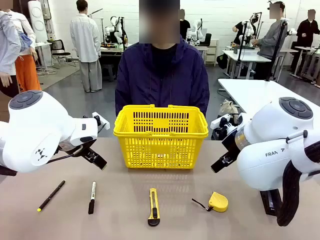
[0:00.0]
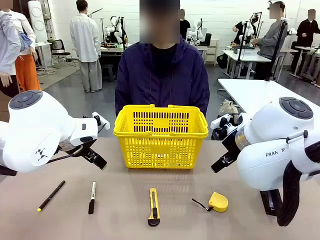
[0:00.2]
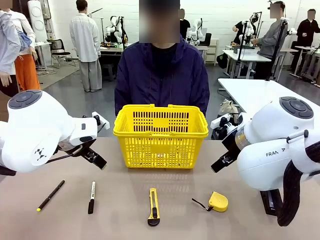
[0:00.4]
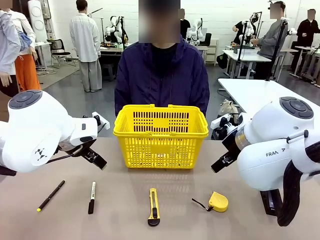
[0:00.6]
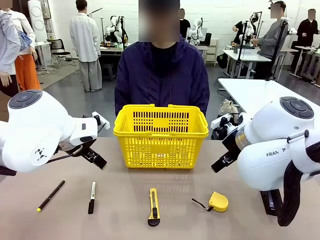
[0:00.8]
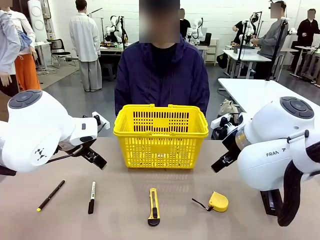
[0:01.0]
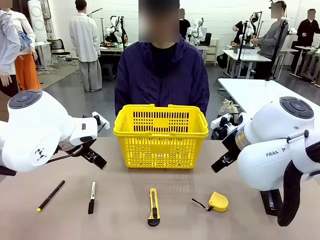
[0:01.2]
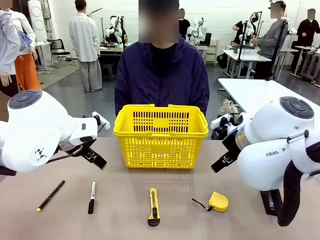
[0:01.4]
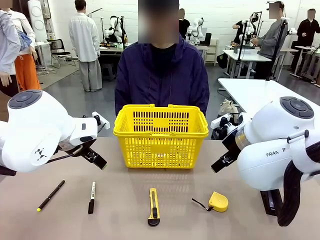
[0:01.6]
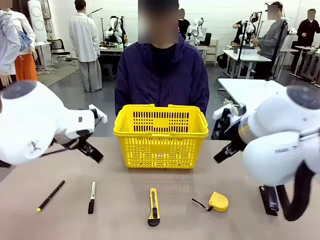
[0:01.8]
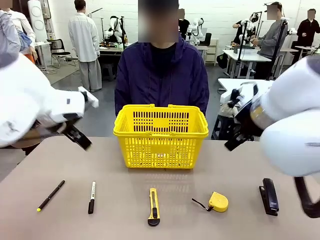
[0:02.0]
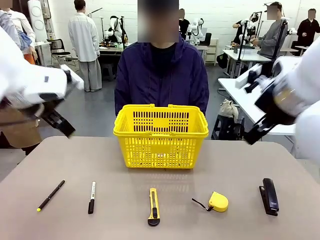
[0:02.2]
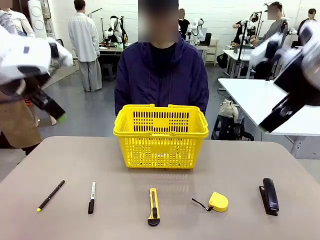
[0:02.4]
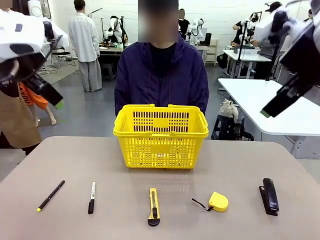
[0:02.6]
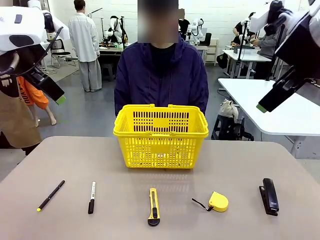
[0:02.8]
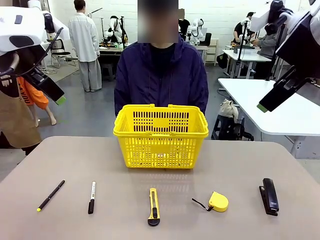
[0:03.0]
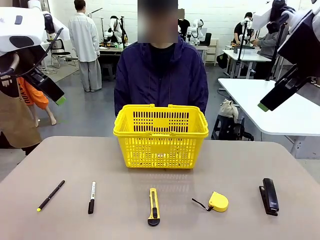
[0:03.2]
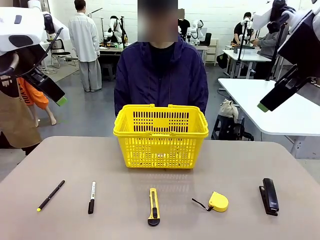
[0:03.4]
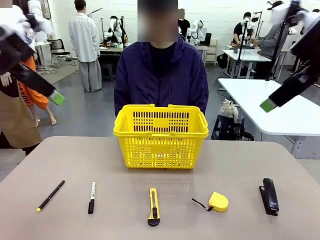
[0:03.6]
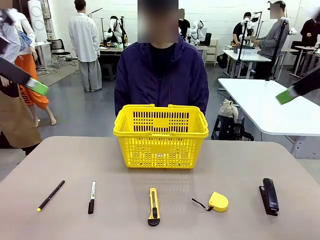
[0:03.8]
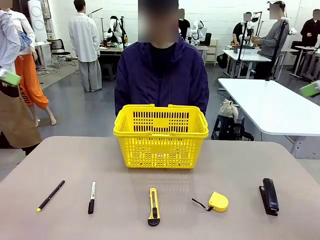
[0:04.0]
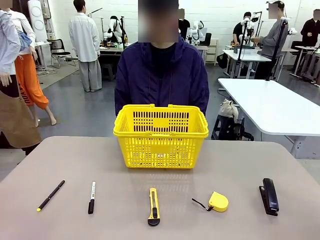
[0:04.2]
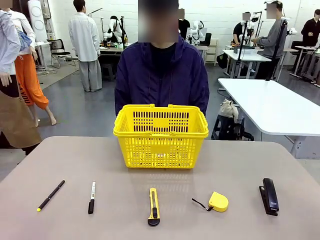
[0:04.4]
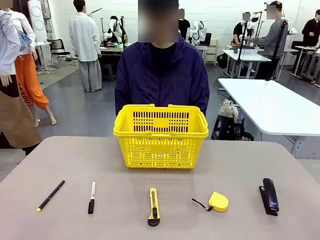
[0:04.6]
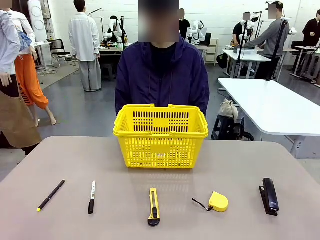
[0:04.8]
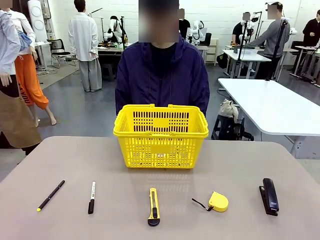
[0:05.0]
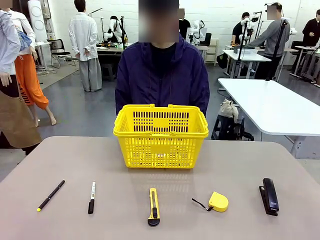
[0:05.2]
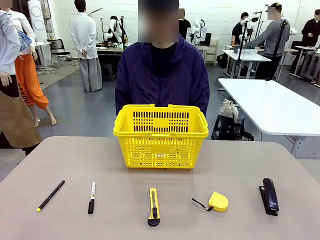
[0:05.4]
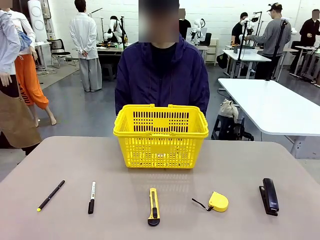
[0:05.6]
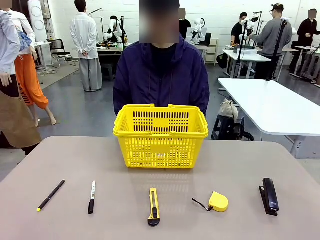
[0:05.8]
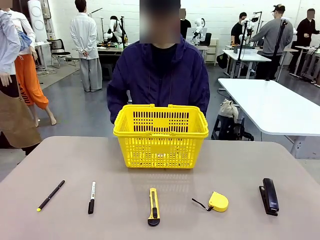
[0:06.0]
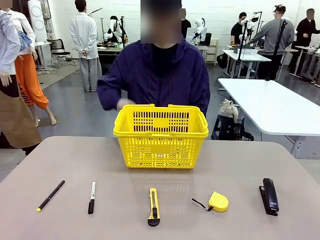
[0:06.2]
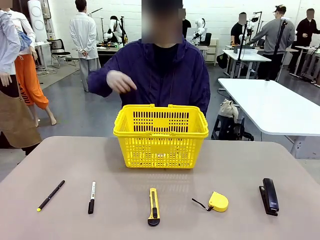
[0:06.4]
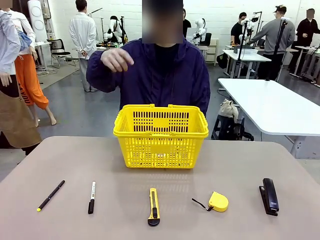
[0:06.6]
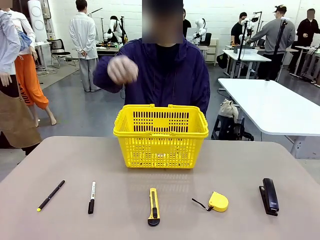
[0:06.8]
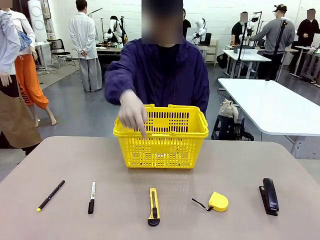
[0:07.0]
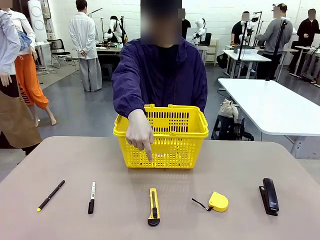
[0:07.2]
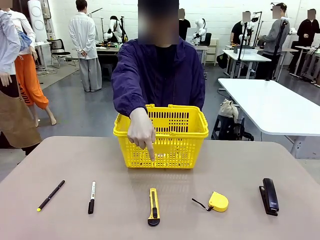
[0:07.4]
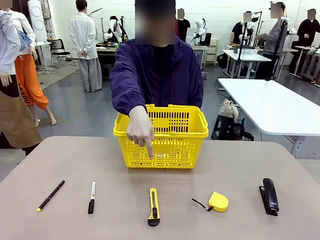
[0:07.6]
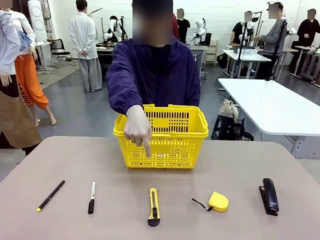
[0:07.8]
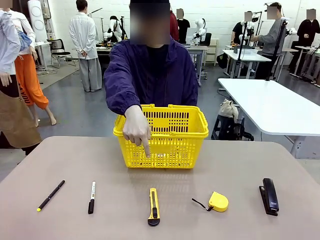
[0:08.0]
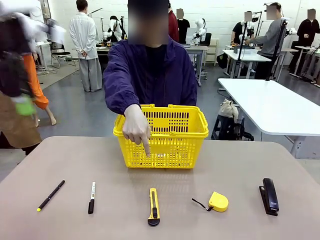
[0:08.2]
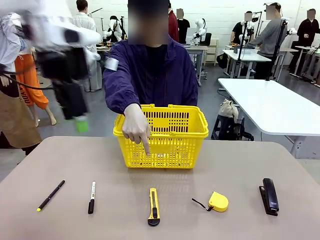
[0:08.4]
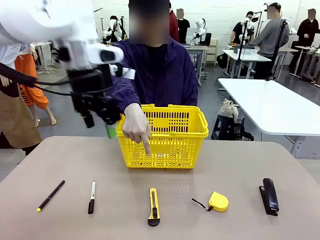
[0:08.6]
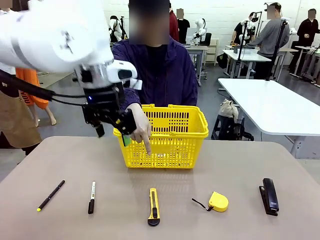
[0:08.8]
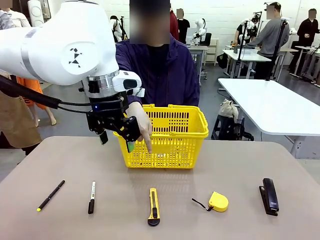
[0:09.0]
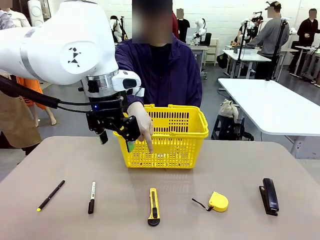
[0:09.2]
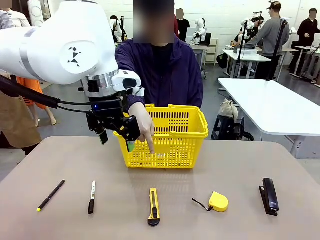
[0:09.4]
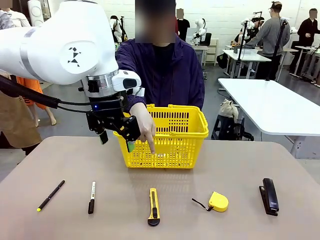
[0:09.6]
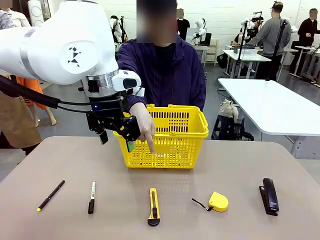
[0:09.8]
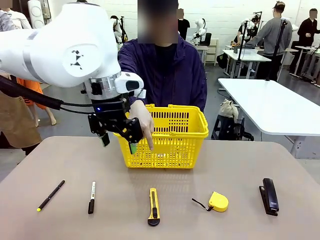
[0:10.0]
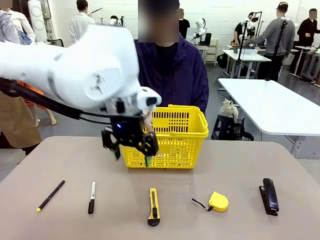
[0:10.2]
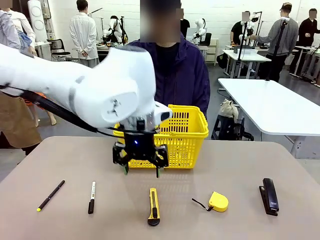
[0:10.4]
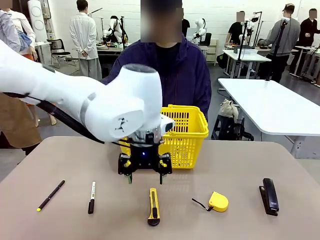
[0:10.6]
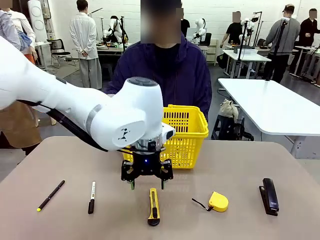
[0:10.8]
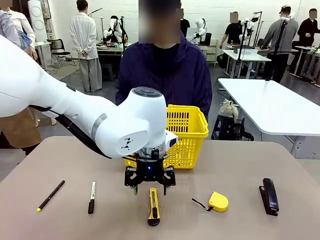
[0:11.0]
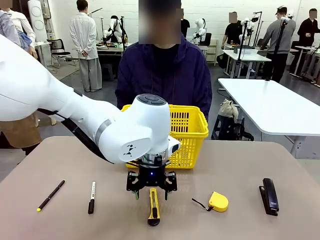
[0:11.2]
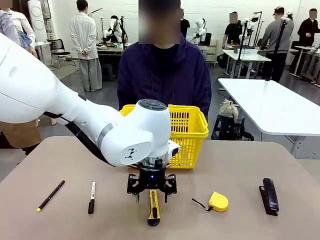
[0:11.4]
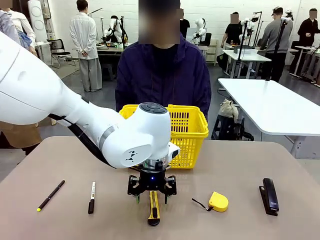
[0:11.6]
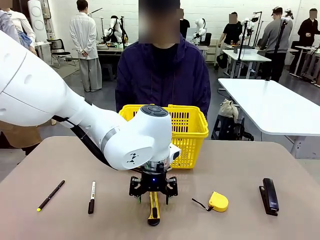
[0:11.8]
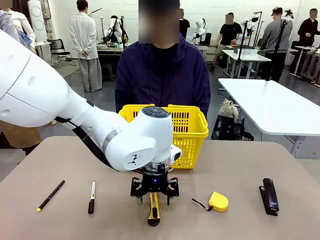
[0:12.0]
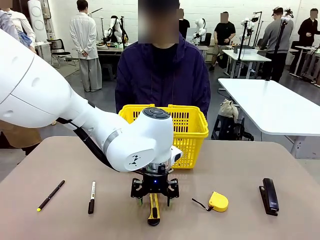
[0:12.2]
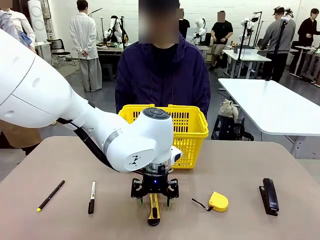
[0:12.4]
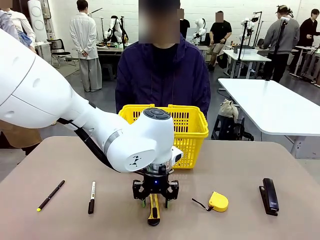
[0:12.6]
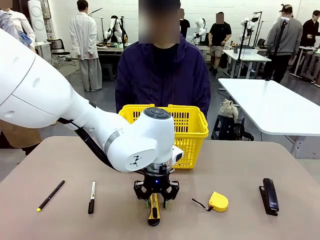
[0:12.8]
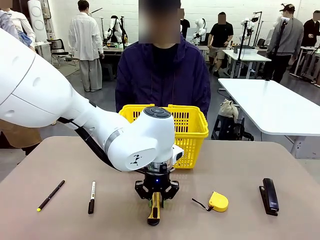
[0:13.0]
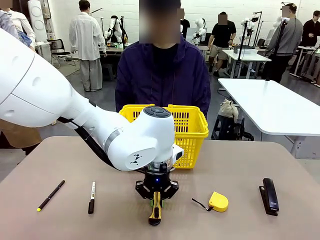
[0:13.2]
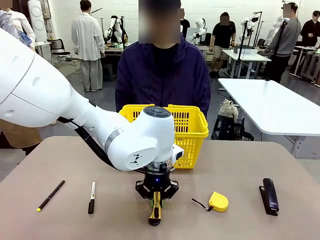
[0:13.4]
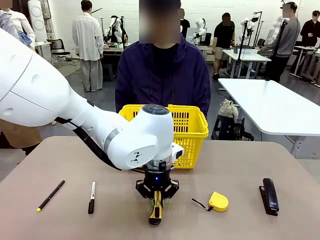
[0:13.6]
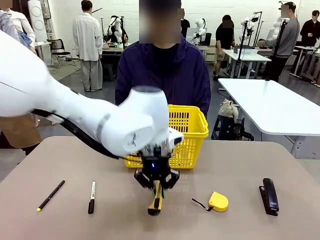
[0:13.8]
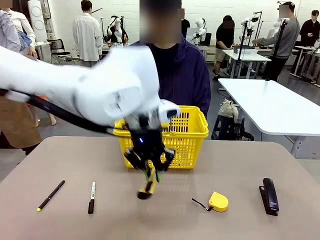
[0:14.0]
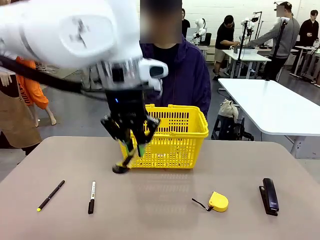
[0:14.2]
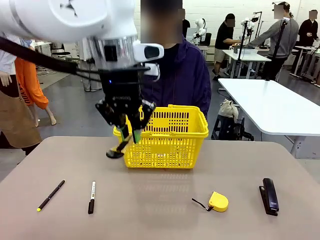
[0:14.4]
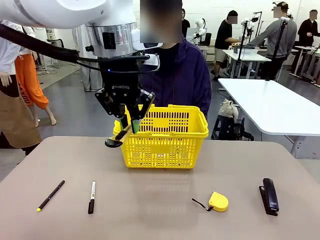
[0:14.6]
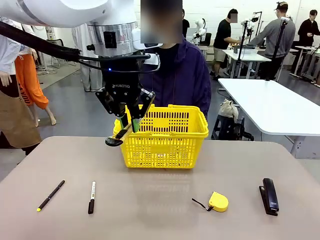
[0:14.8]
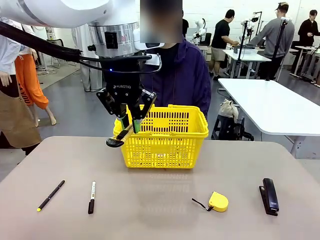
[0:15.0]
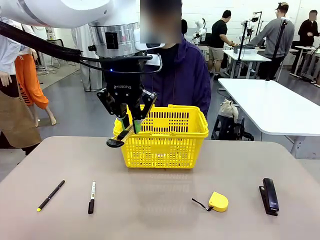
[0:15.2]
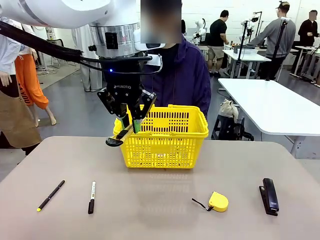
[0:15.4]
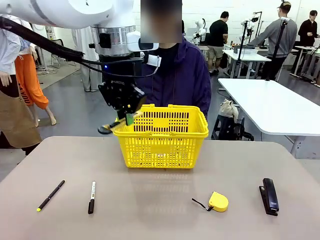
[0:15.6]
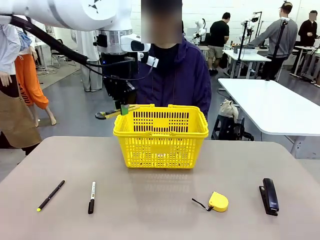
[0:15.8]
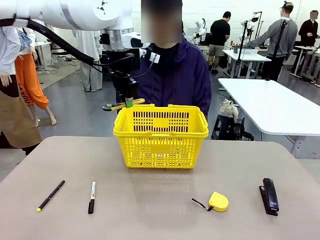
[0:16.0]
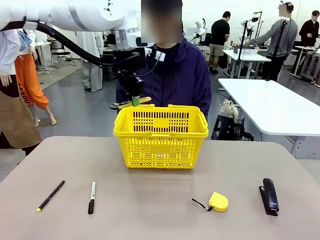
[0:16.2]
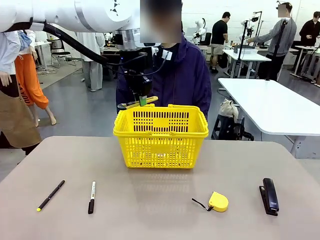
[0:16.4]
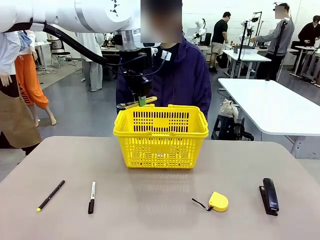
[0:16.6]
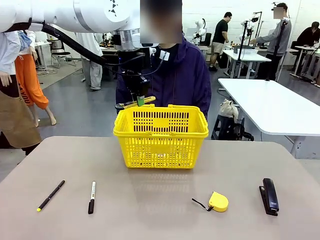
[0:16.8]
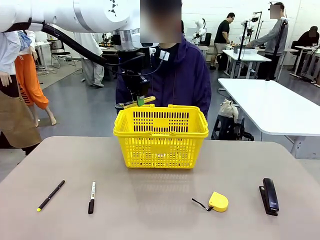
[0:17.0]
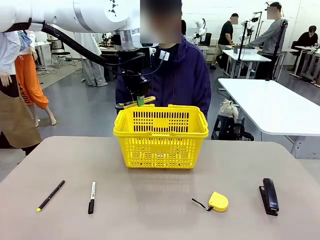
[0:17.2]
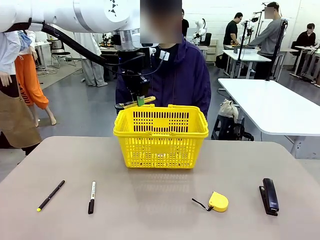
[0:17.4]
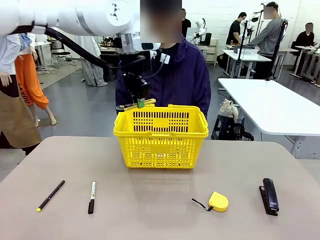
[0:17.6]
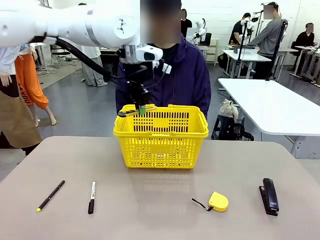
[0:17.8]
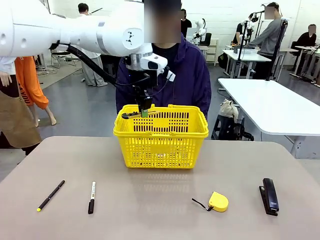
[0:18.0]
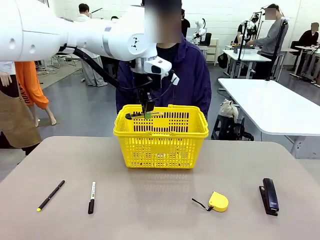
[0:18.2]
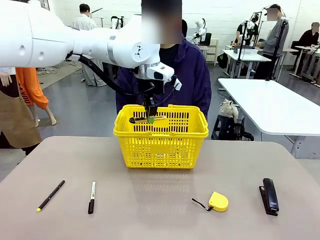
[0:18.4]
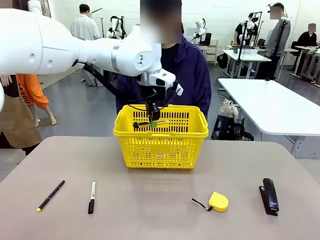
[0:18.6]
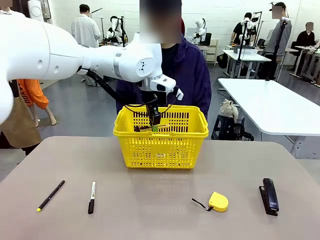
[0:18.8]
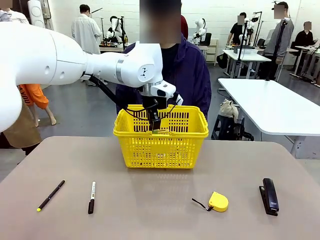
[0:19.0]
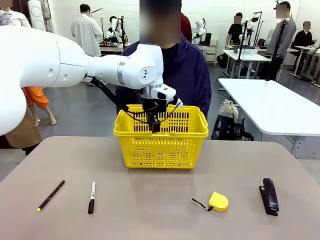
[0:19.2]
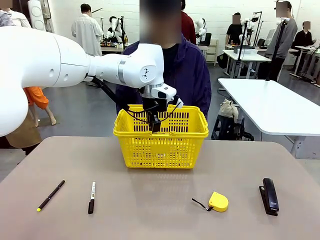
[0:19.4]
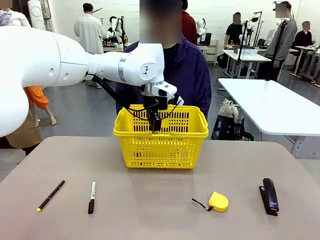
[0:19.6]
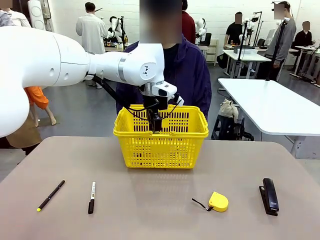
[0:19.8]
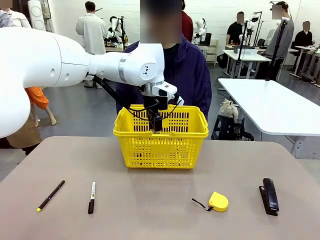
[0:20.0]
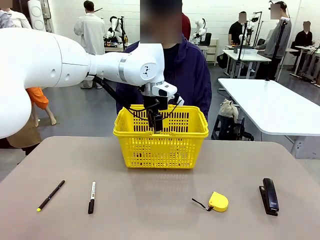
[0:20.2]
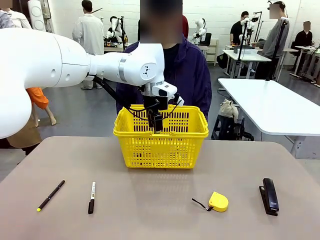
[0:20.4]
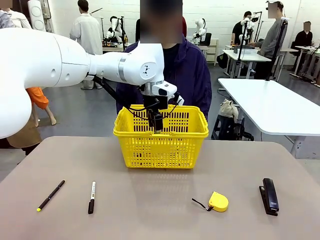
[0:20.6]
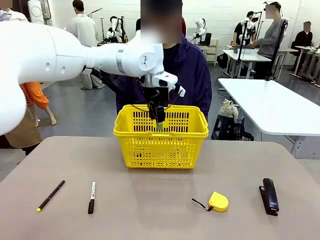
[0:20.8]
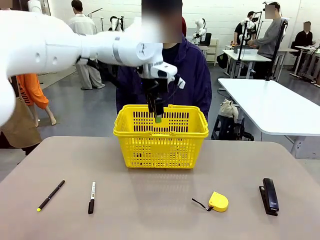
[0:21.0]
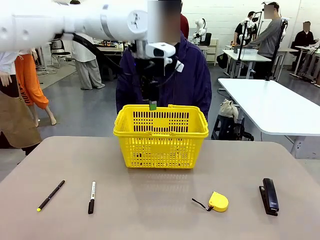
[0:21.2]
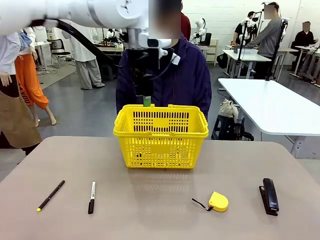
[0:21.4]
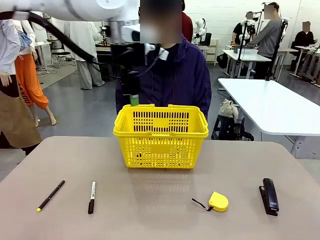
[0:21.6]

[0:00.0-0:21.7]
Task: Place the items the person wants into the basket.
Robot: Pick up the item the person points to and place it in the Market Basket.
